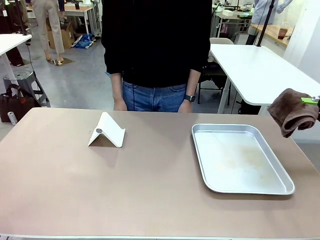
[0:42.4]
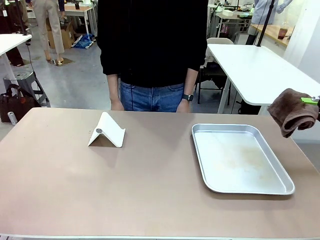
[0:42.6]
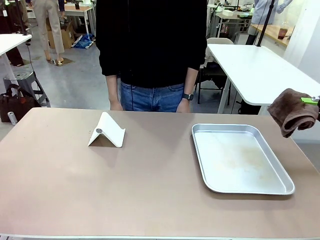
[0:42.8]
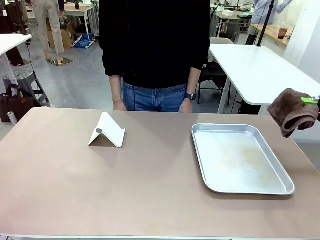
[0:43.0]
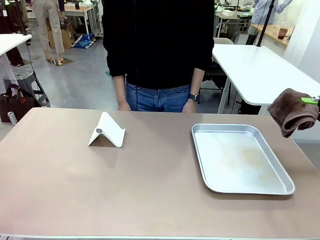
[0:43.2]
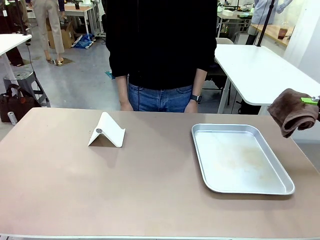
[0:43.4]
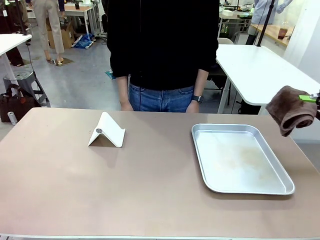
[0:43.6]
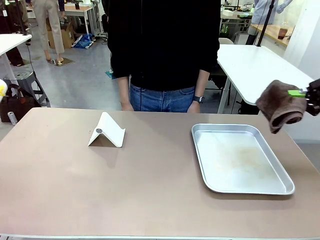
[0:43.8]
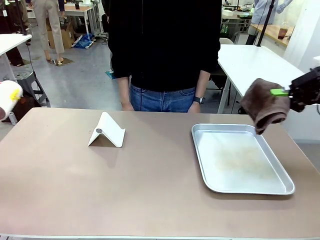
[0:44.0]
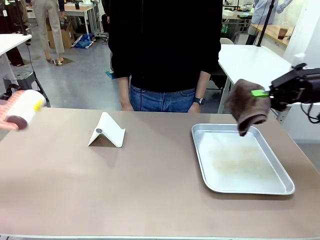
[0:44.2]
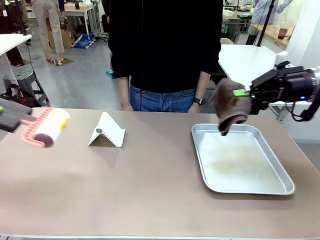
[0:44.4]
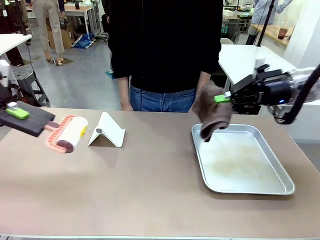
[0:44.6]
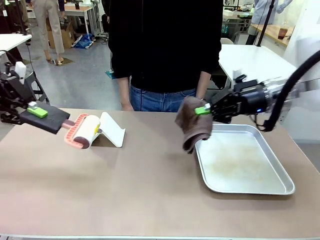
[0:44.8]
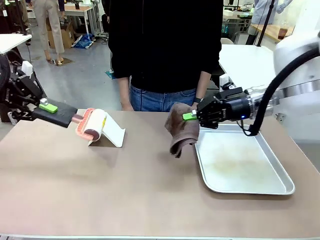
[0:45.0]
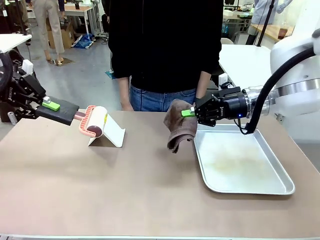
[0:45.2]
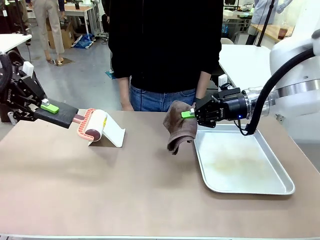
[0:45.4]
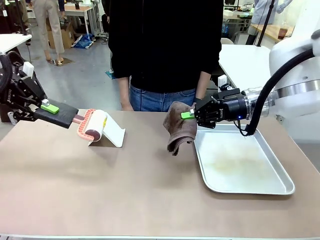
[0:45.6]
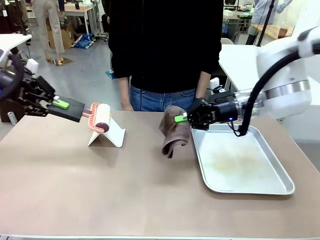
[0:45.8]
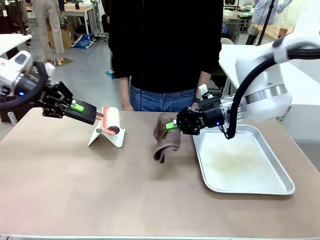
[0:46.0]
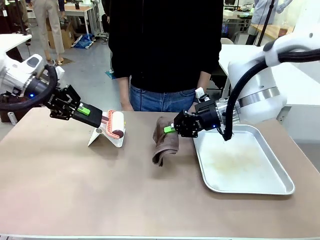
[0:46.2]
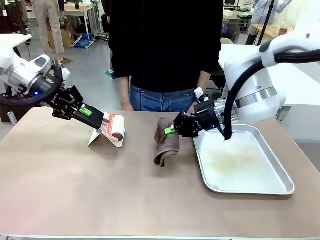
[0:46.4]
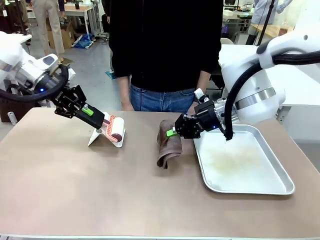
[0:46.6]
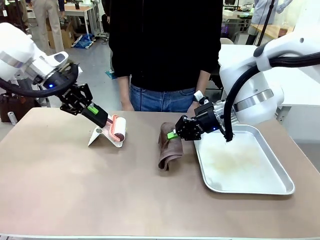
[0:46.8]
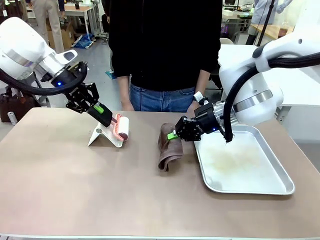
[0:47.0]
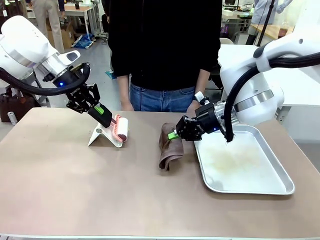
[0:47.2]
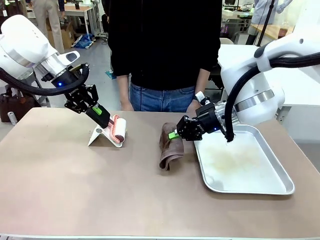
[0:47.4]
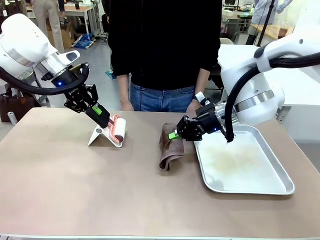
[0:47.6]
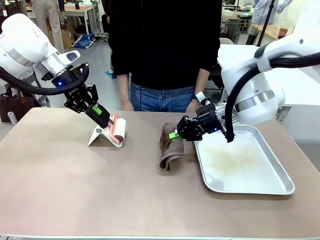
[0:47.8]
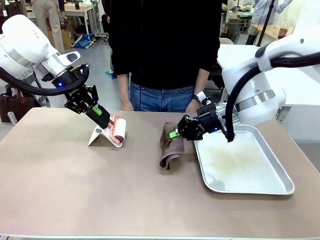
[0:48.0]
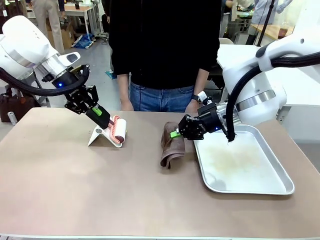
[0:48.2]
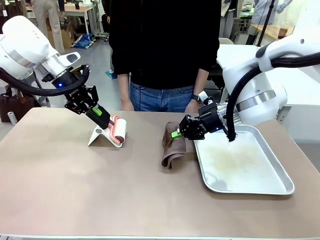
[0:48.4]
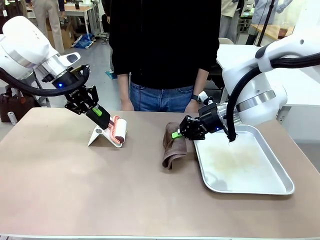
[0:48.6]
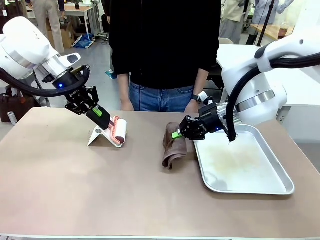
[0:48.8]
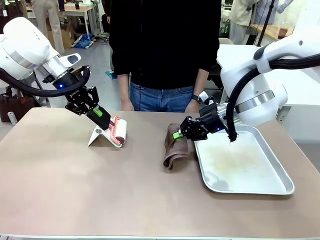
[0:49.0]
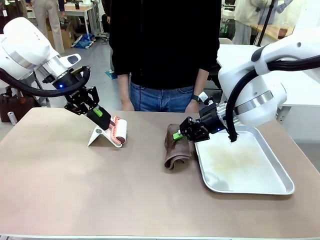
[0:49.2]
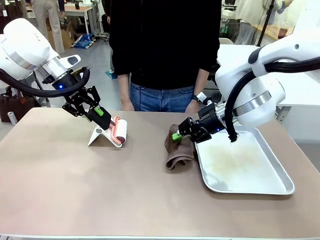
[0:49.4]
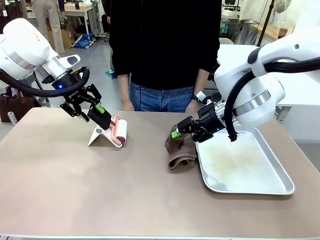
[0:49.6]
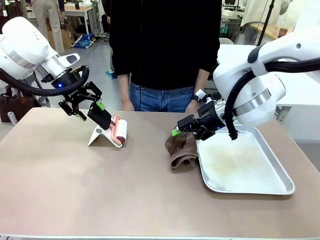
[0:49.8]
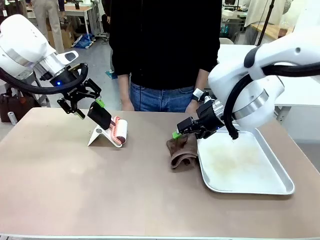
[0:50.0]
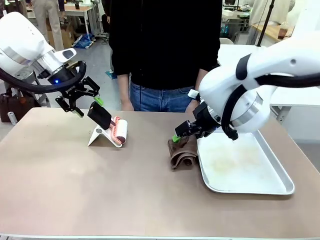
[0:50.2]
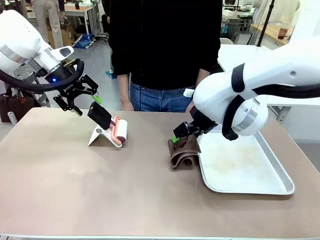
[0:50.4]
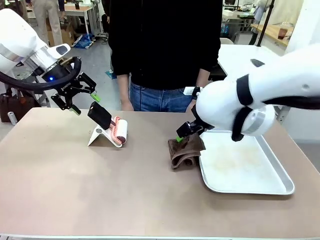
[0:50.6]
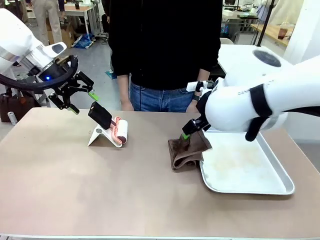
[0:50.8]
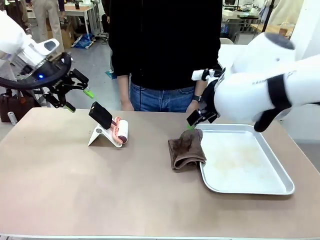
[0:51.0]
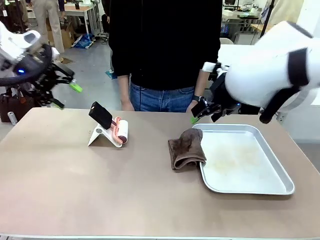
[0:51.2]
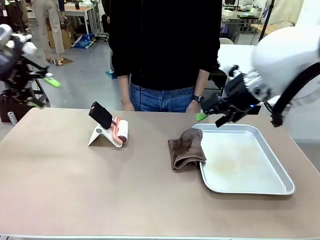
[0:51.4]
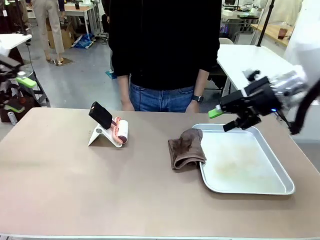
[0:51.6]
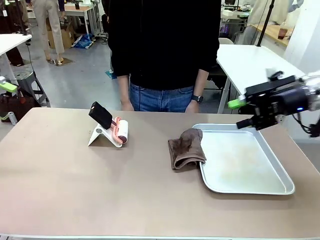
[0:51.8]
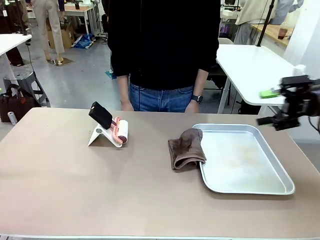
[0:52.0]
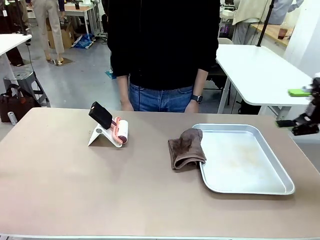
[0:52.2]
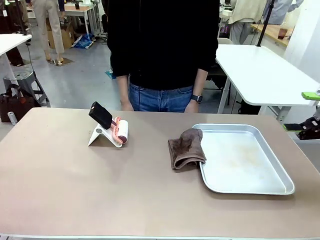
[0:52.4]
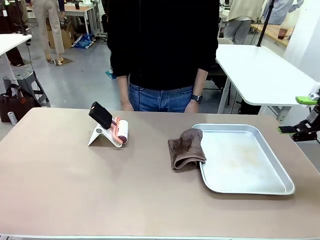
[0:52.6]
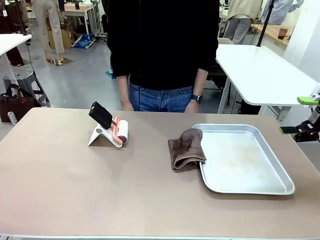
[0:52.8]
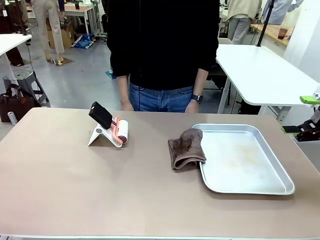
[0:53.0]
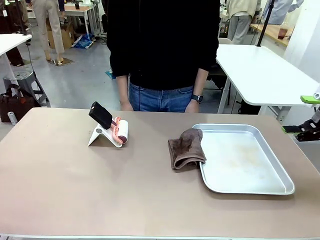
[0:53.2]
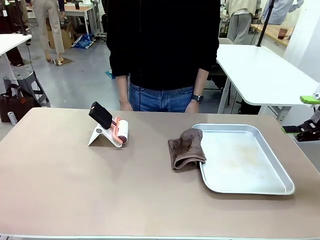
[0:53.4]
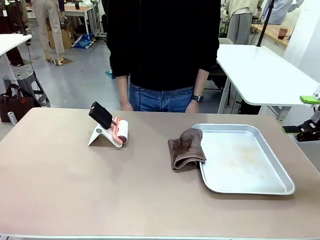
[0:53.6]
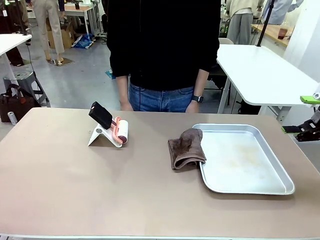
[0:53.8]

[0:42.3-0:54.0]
Task: Clean the surface of the table.
Robot: Return the Lint Roller and towel to their original positions.

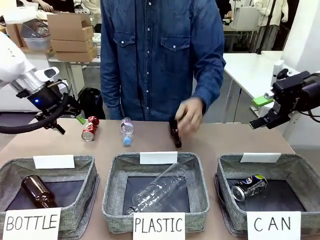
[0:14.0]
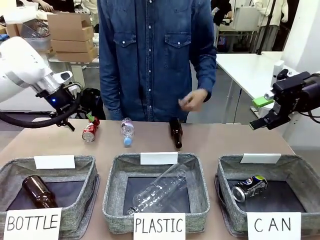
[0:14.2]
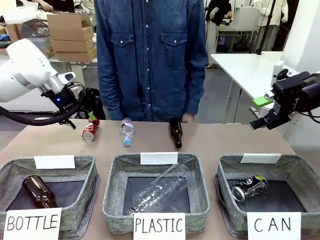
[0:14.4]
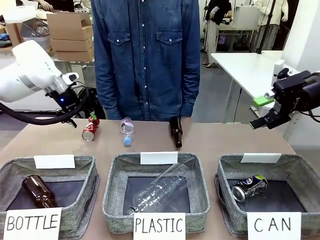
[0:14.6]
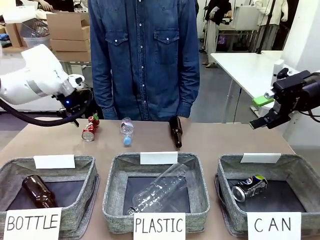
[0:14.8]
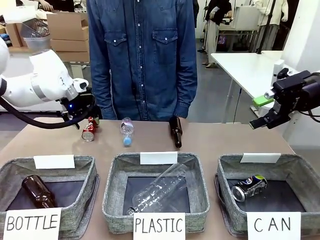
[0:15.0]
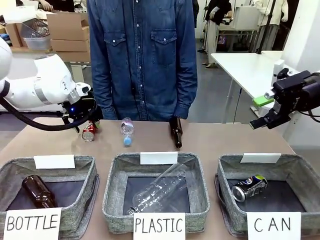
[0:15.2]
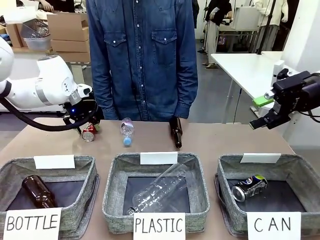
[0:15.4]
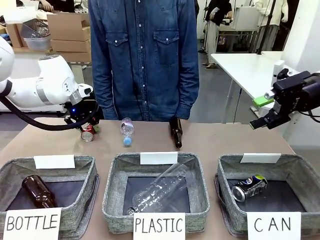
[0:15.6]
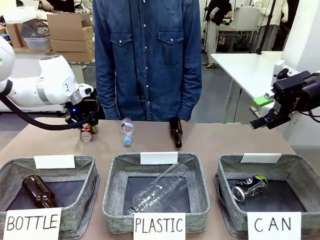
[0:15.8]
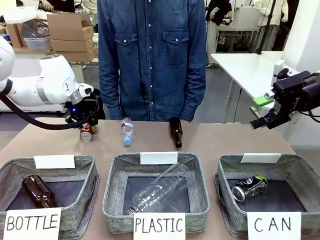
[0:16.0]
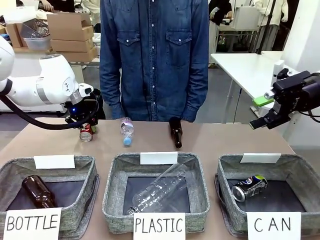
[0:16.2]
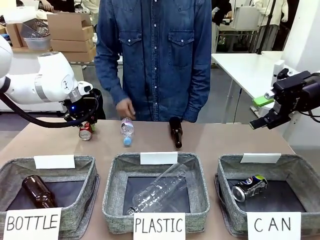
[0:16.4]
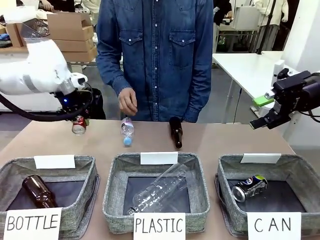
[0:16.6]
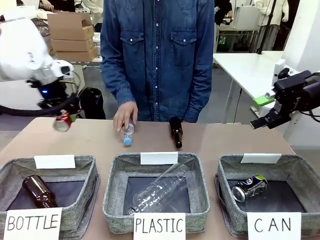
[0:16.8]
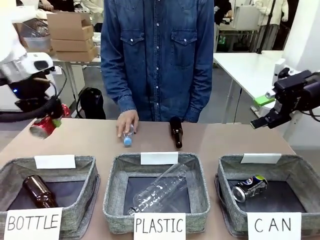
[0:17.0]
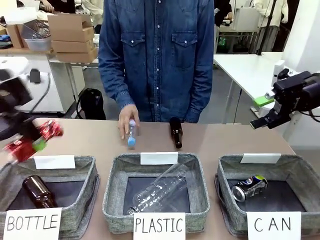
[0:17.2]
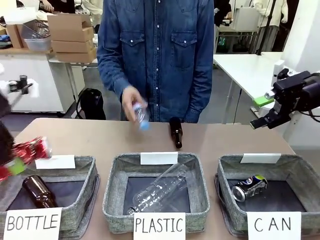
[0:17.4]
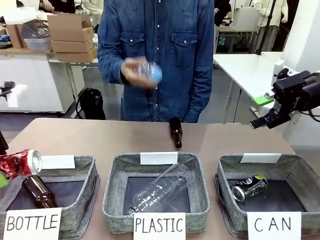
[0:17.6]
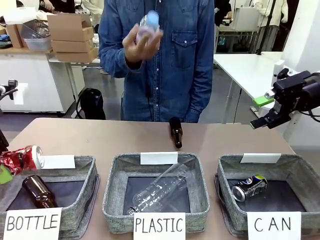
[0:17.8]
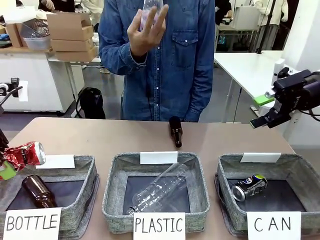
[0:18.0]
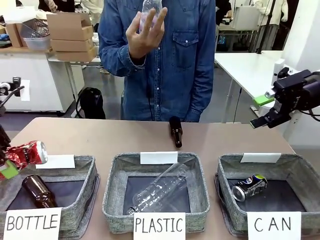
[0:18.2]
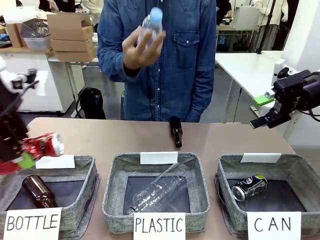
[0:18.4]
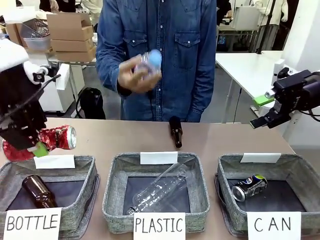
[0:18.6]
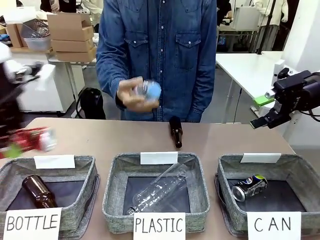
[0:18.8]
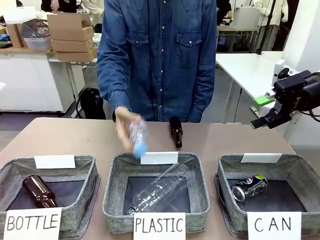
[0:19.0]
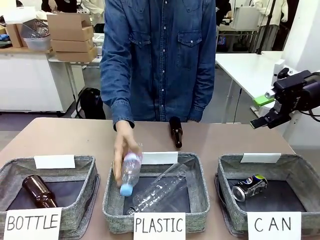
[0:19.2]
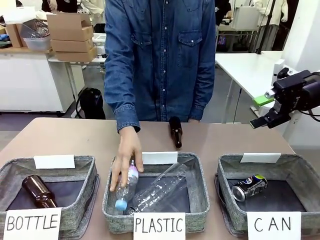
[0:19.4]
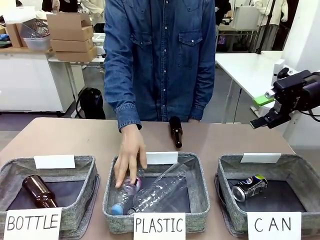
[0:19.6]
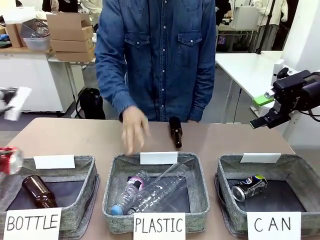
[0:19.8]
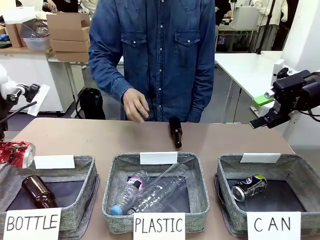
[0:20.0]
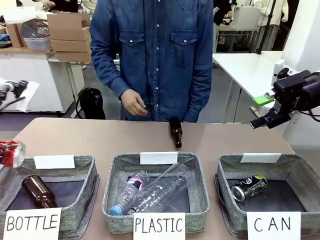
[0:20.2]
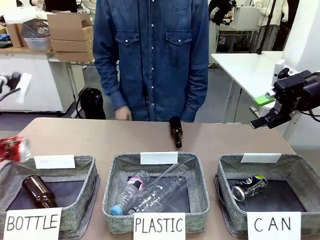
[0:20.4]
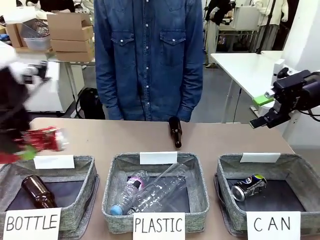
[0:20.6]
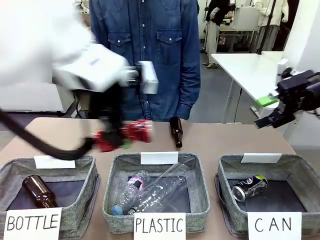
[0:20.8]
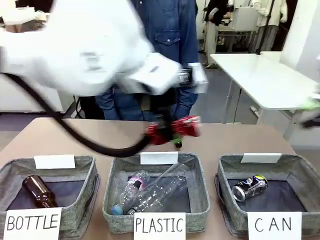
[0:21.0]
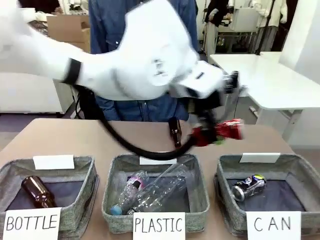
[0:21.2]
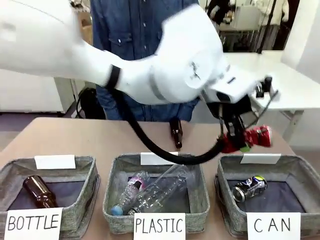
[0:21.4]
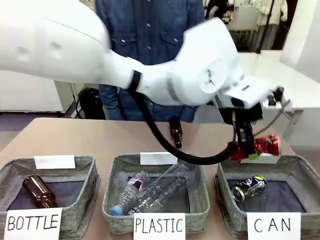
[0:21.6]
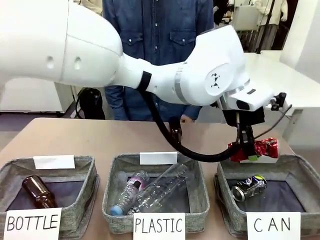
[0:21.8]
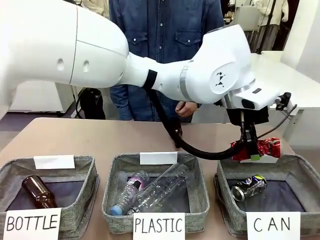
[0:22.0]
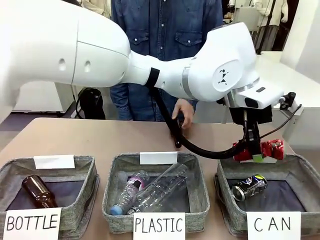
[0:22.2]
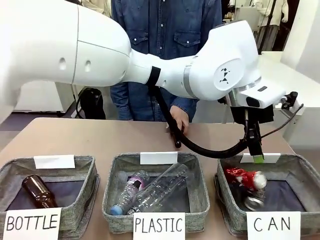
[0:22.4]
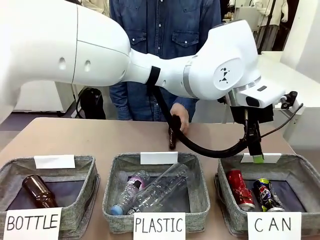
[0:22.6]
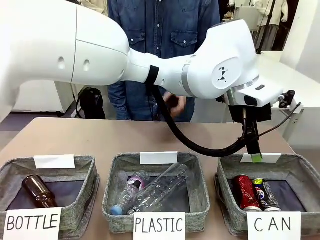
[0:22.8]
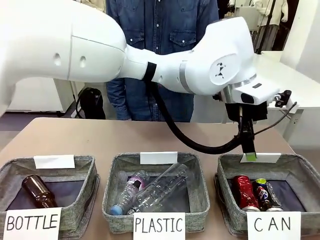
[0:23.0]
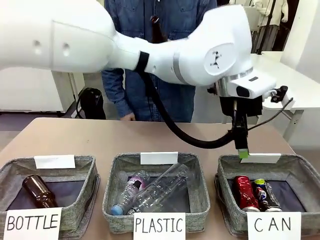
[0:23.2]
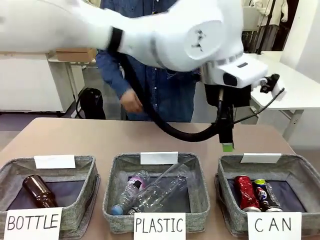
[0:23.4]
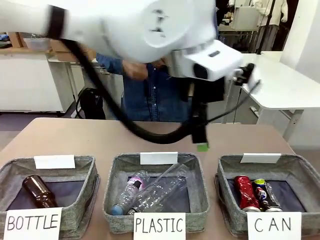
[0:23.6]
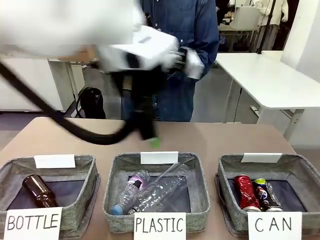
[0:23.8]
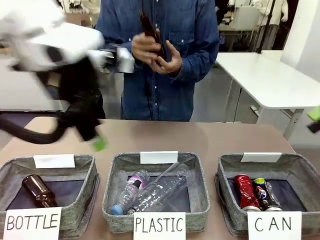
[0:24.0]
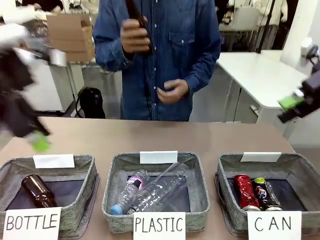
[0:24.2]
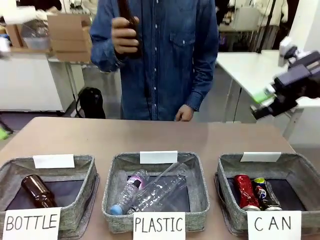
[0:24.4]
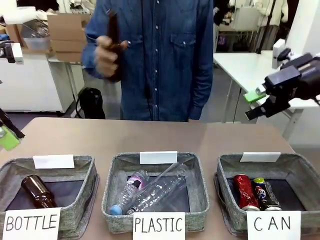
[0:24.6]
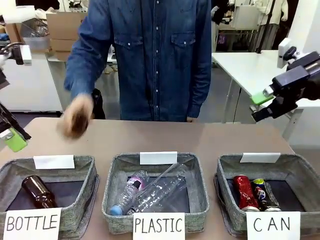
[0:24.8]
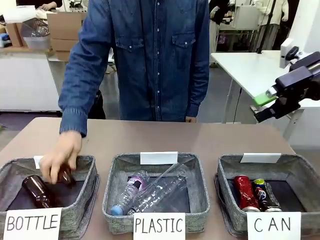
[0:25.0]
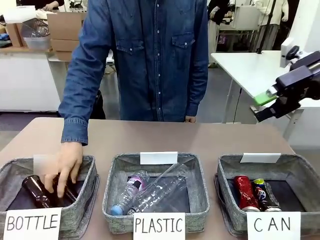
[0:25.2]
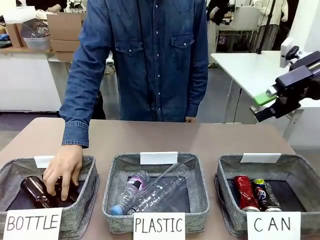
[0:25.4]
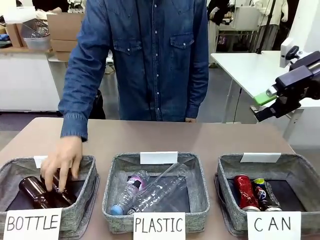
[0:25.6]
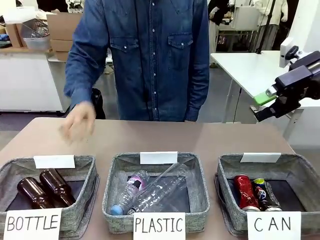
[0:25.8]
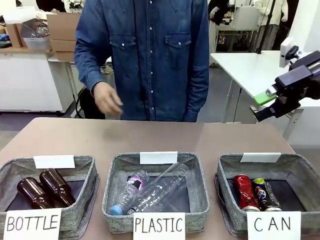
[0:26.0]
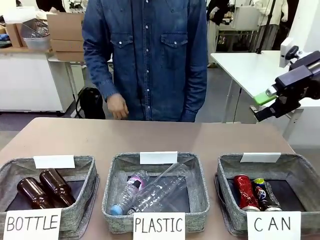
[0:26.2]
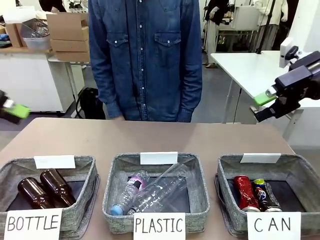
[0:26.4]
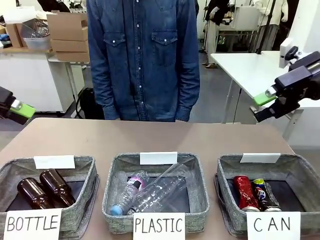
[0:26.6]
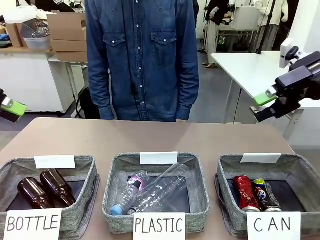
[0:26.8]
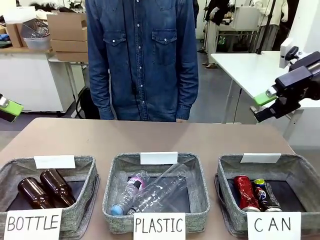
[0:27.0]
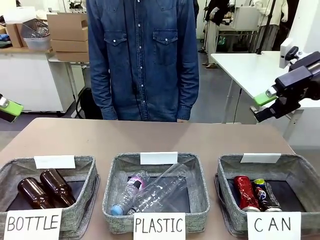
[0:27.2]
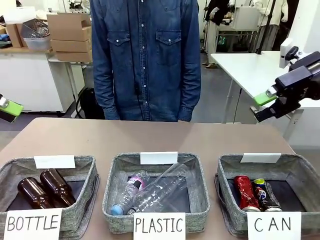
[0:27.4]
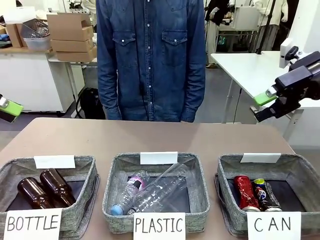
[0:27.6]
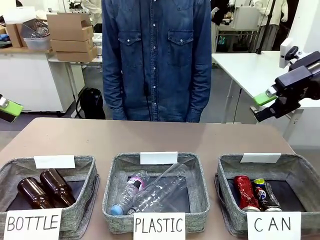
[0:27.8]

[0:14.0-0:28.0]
Task: Sort the can waste into the basket.
Robot: Pick up the can waste from the table and place it in the right Fabric basket.
